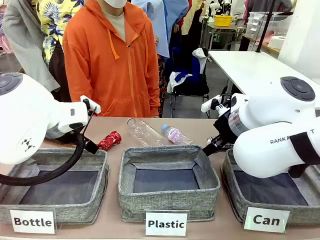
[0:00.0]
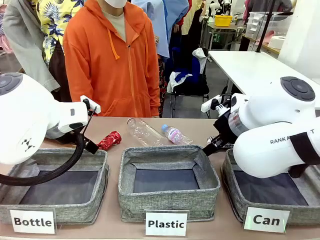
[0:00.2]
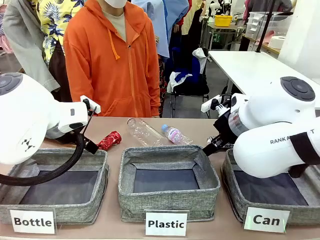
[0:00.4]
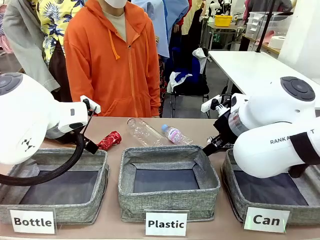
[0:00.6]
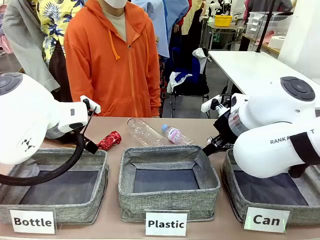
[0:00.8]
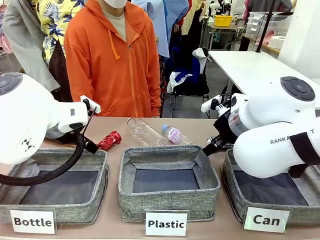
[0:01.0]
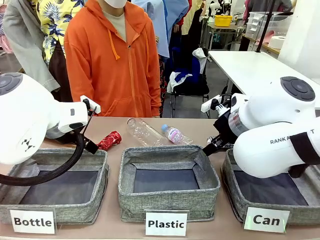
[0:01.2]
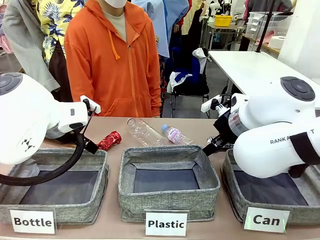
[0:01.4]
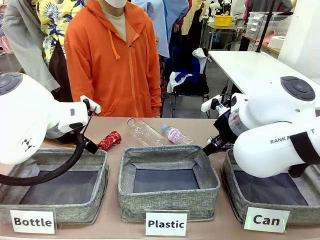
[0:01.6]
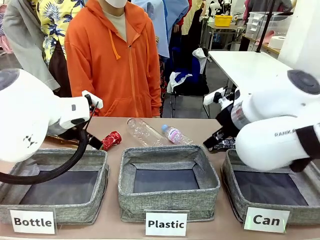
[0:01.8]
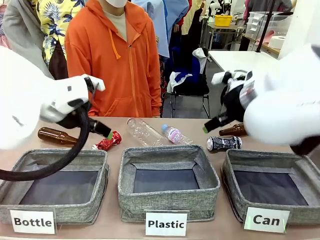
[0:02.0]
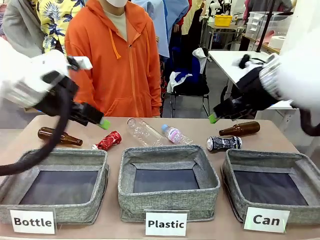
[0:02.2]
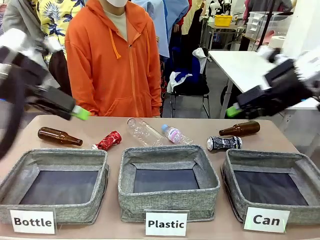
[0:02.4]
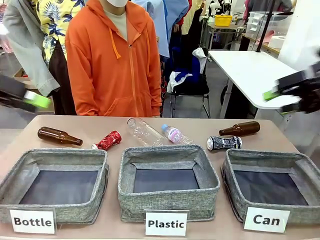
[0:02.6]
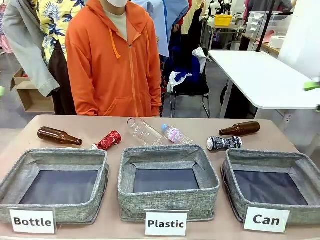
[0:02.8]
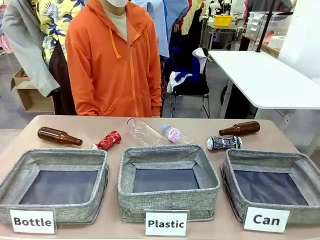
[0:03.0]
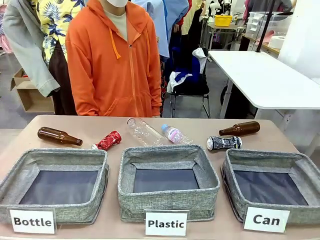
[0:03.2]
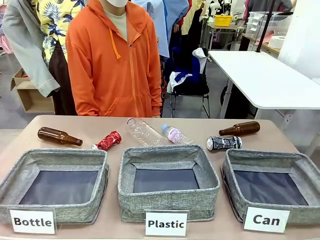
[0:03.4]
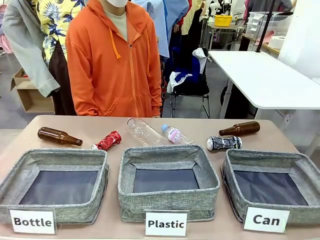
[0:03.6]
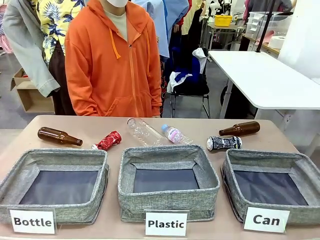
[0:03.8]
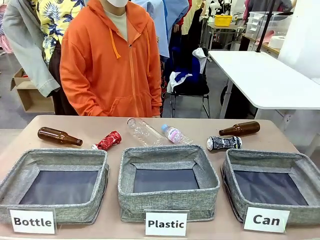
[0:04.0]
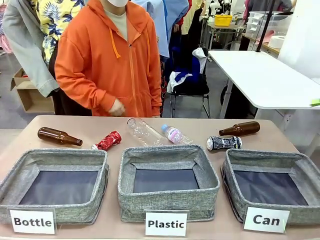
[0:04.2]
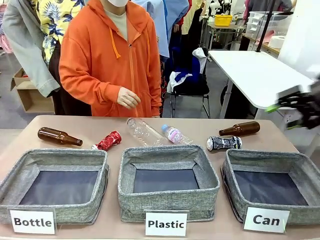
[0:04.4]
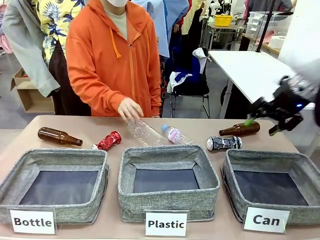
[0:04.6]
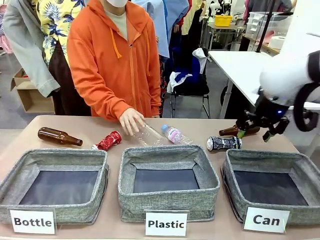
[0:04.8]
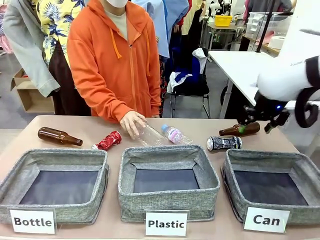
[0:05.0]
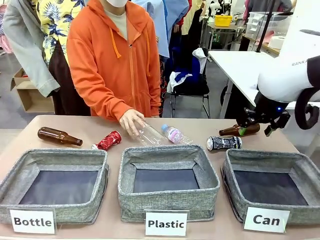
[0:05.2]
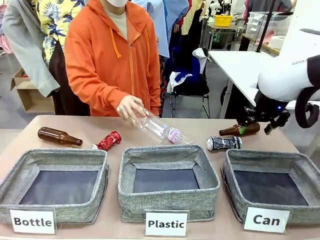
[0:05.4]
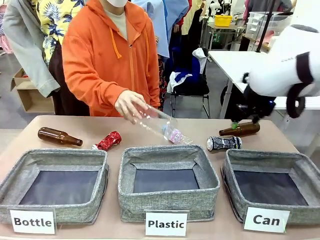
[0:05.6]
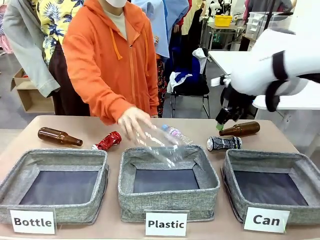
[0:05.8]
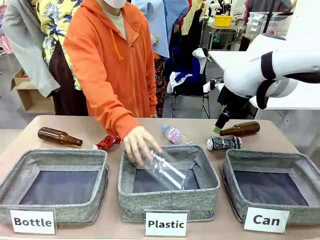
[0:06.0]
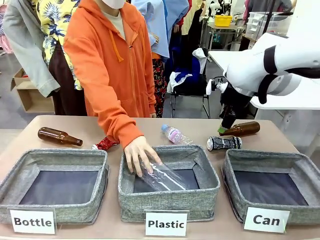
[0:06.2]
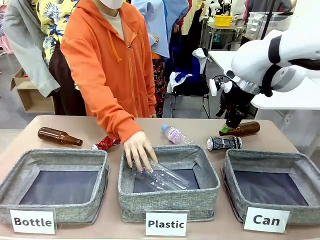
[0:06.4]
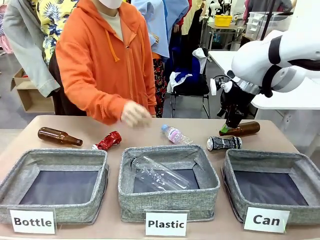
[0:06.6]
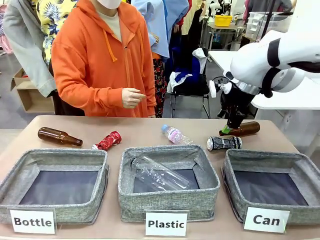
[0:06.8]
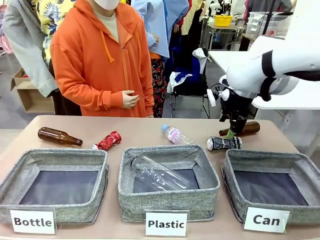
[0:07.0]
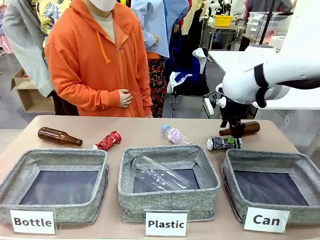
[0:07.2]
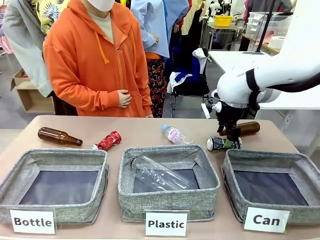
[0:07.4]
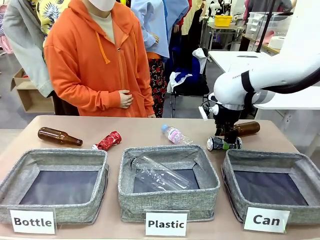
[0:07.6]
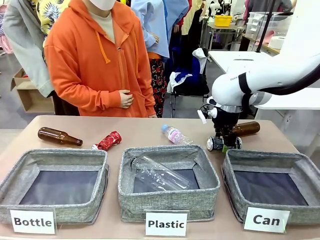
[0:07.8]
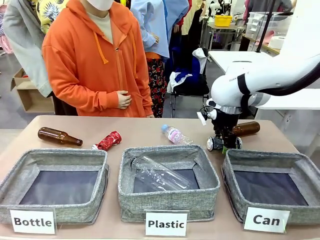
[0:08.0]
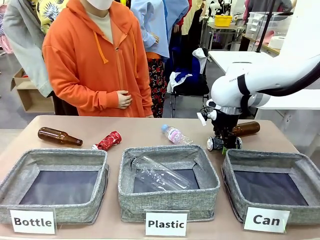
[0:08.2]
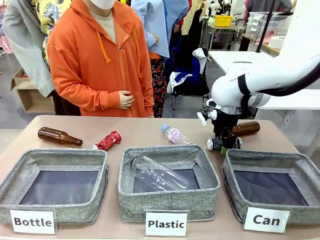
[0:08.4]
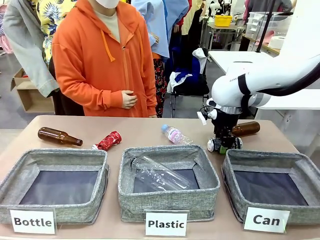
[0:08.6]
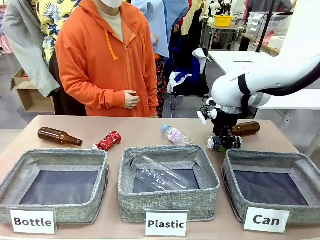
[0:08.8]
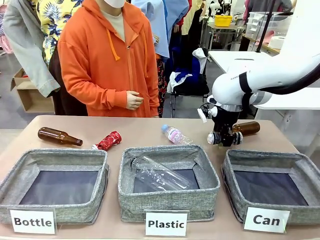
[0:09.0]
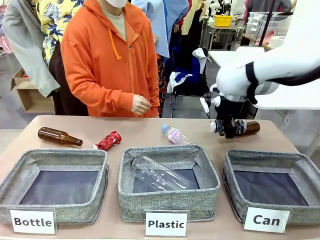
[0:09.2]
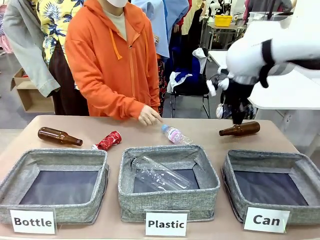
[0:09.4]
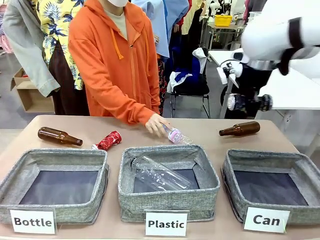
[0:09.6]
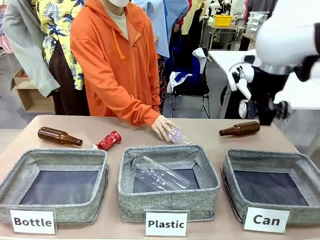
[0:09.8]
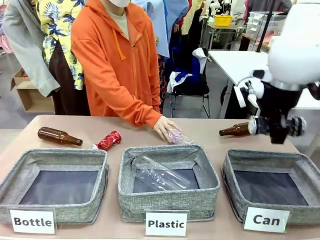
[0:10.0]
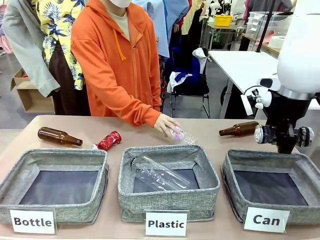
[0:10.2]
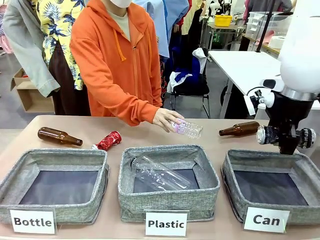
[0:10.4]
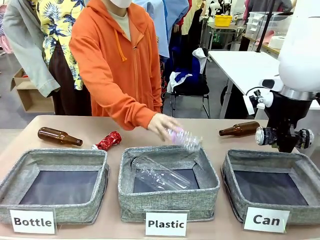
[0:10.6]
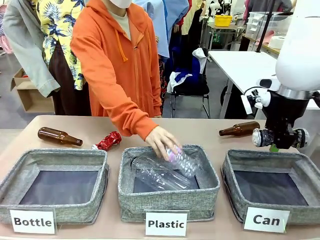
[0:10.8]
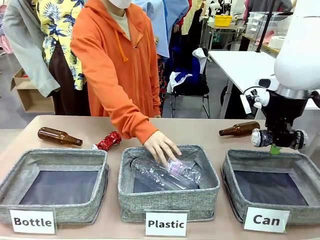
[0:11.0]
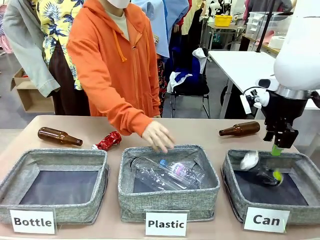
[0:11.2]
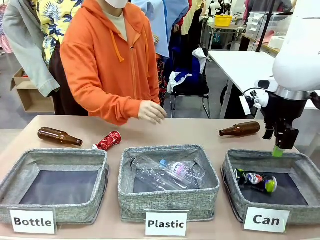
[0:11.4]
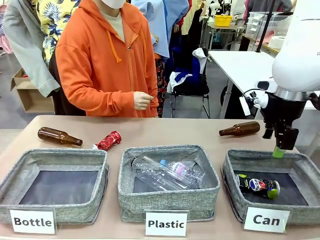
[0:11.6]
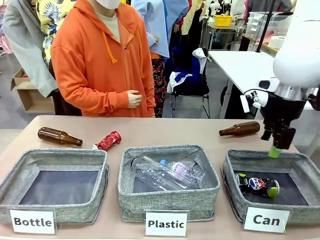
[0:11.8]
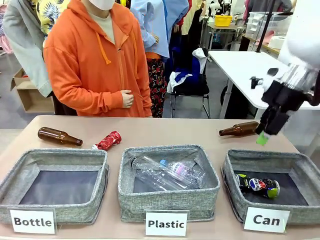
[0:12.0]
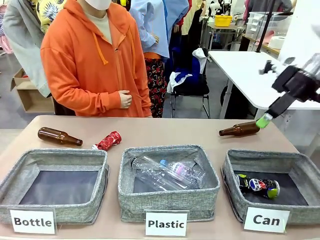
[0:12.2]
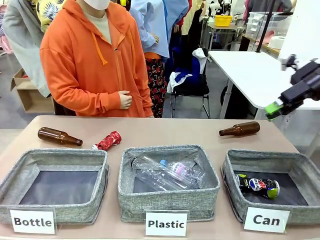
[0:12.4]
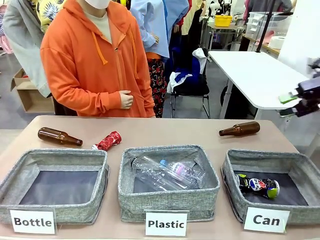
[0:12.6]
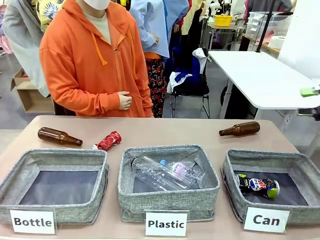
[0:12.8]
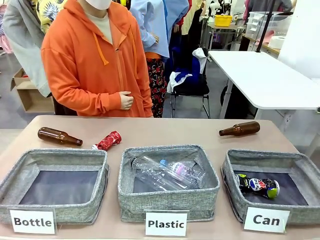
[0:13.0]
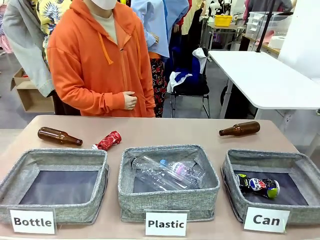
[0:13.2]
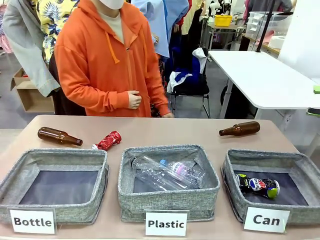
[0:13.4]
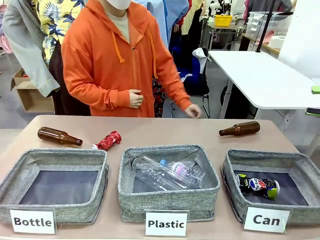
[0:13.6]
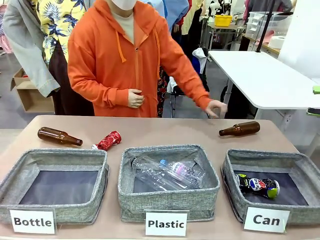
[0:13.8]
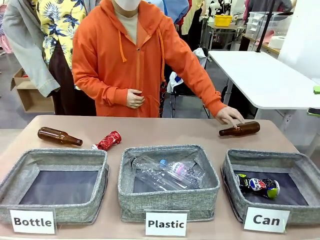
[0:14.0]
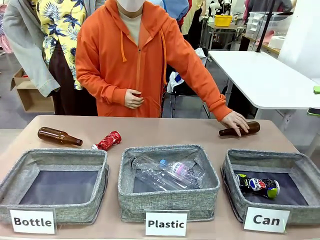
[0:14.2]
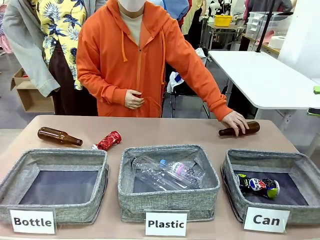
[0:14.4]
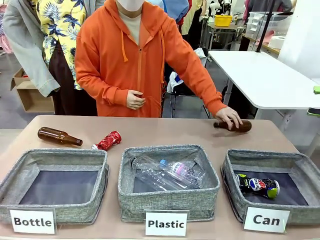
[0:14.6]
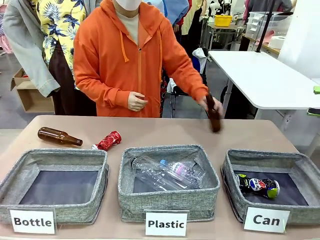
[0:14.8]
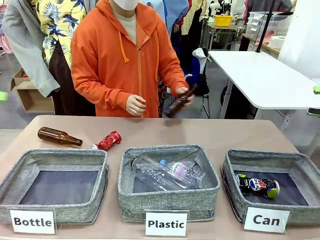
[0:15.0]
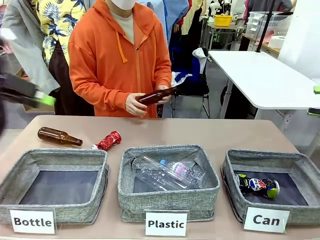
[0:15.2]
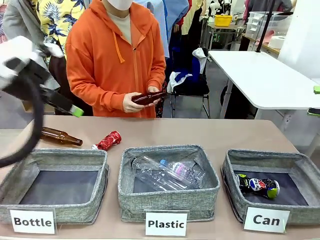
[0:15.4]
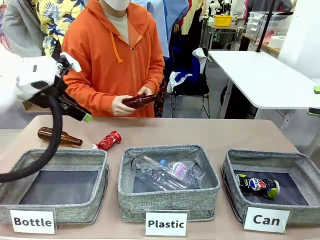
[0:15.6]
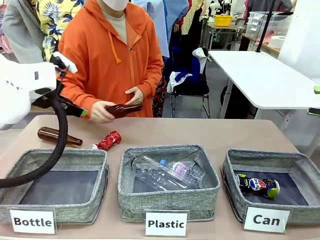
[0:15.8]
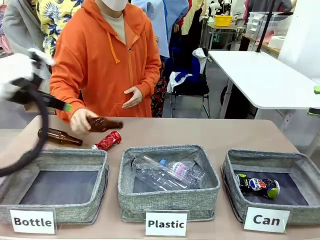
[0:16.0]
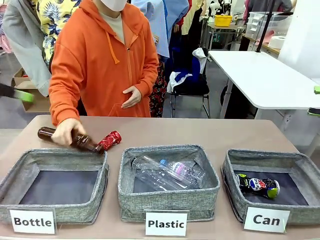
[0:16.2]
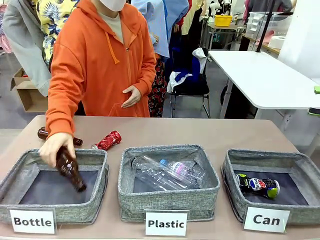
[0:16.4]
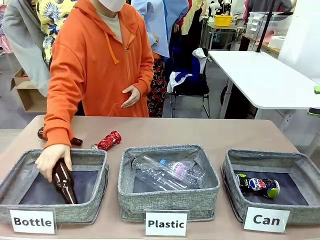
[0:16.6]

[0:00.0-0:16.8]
Task: Sort the can waste into the basket.
Robot: Pick up the can waste from the table and place it in the right Fabric basket.
